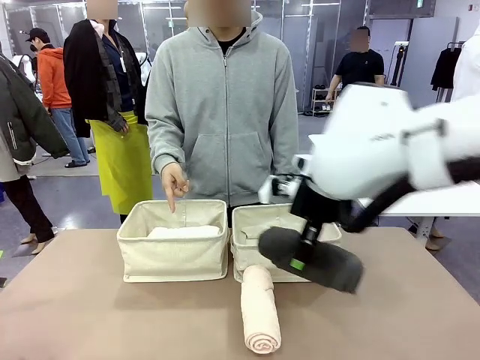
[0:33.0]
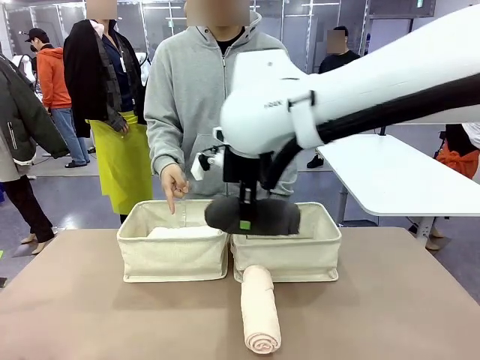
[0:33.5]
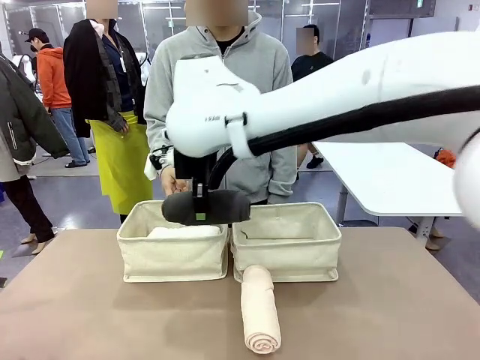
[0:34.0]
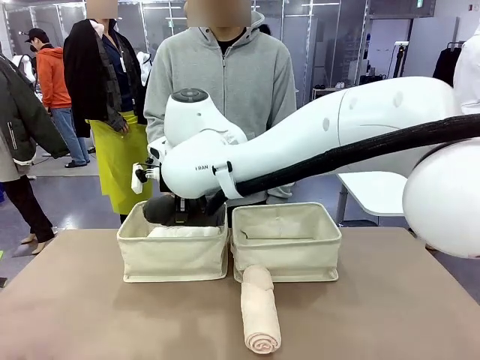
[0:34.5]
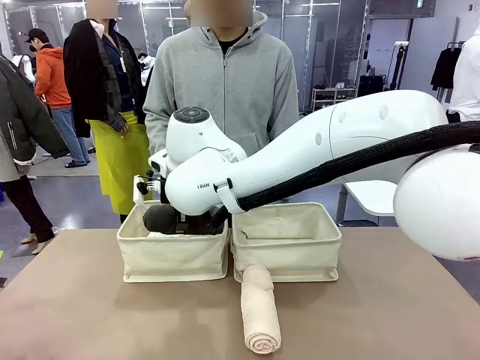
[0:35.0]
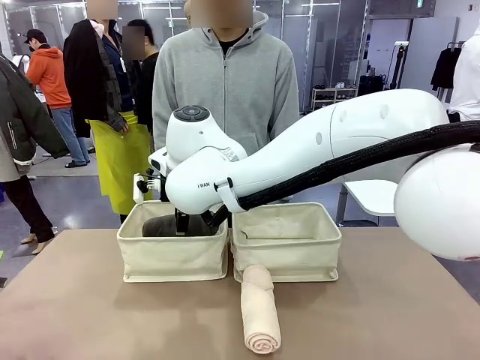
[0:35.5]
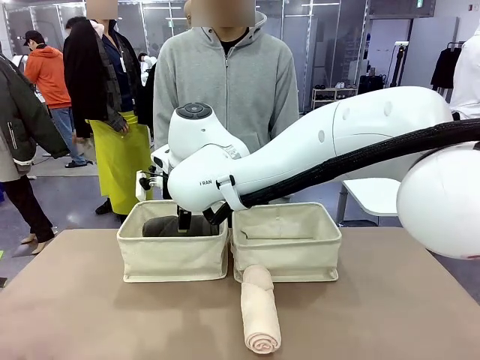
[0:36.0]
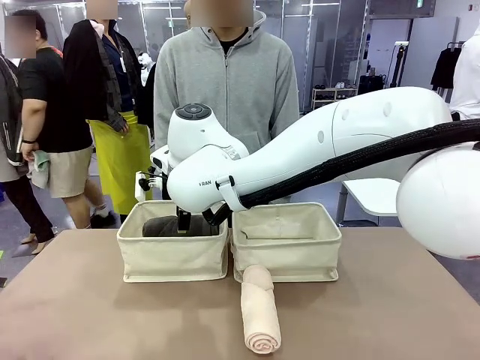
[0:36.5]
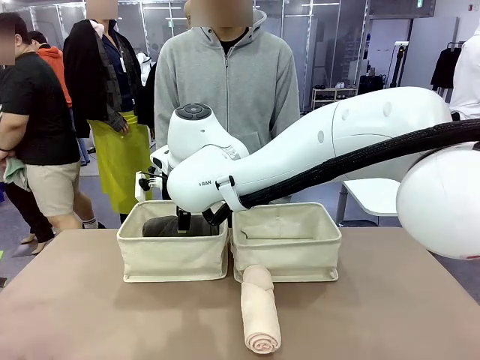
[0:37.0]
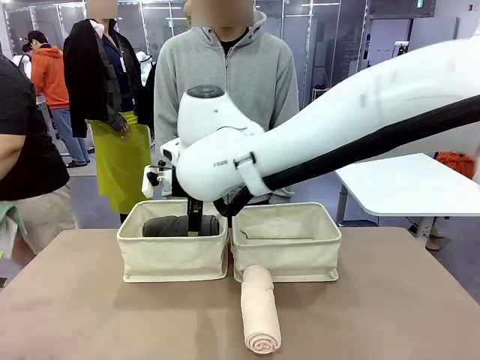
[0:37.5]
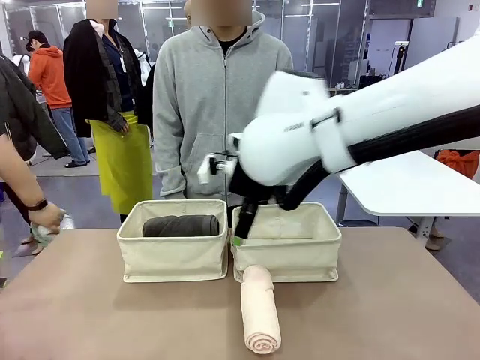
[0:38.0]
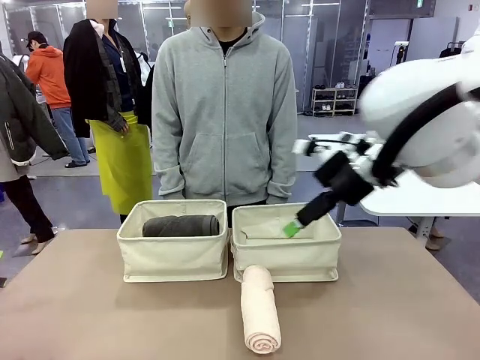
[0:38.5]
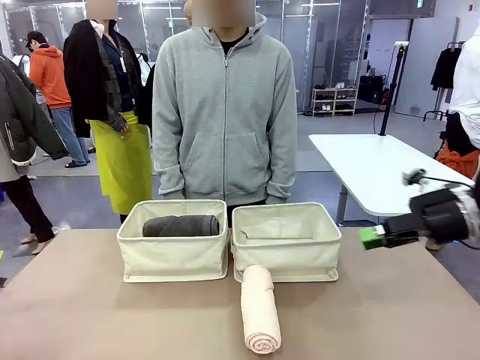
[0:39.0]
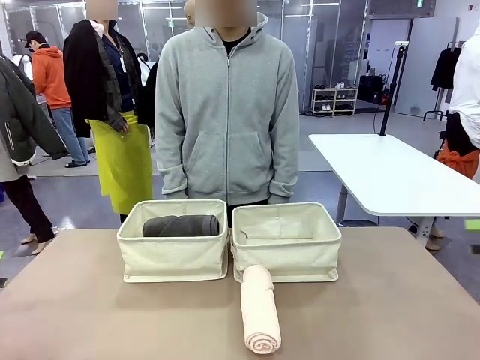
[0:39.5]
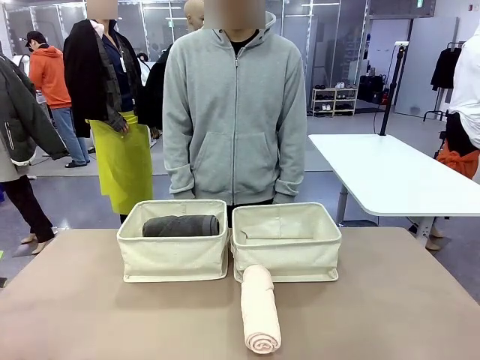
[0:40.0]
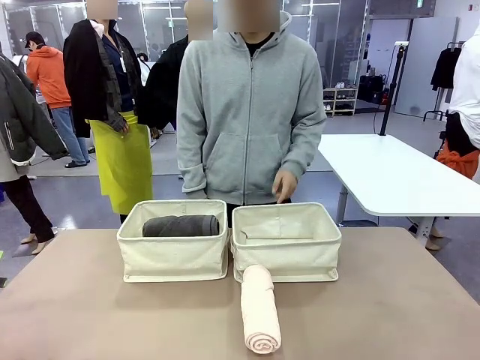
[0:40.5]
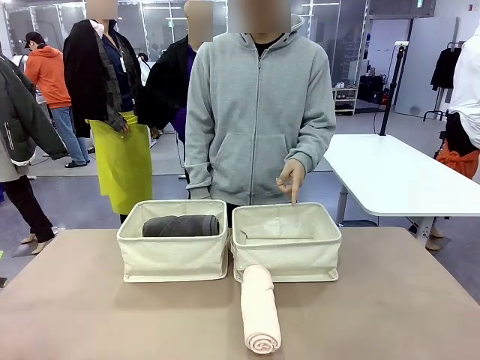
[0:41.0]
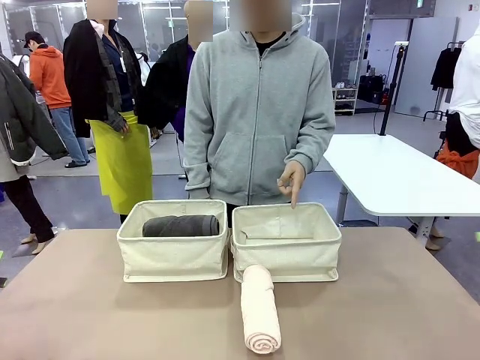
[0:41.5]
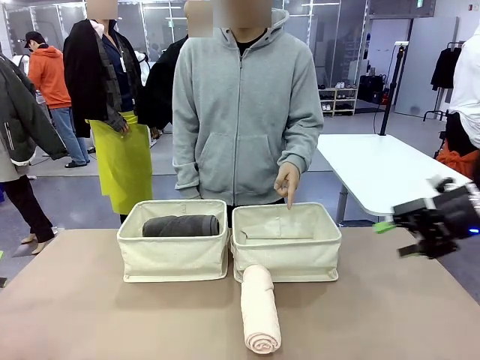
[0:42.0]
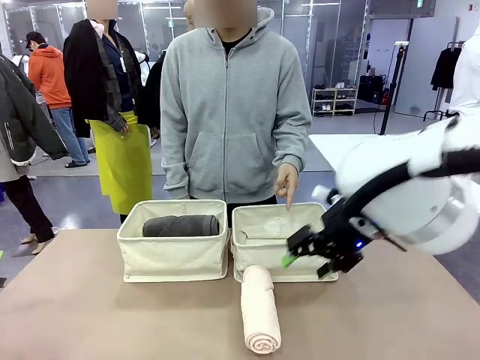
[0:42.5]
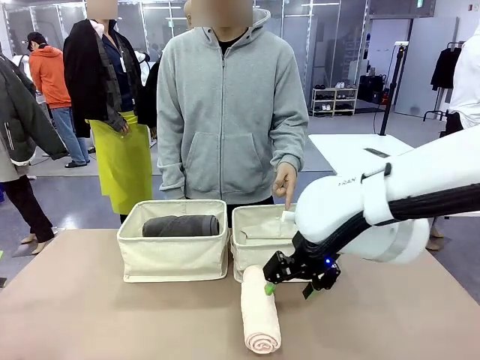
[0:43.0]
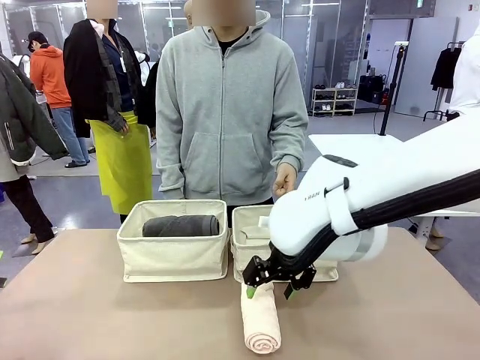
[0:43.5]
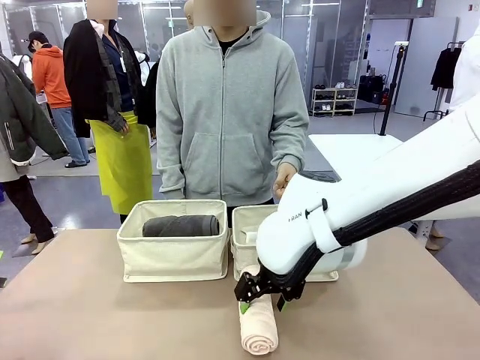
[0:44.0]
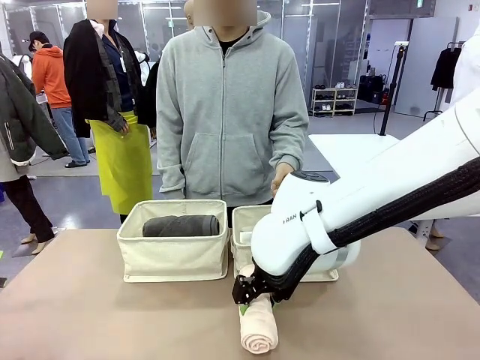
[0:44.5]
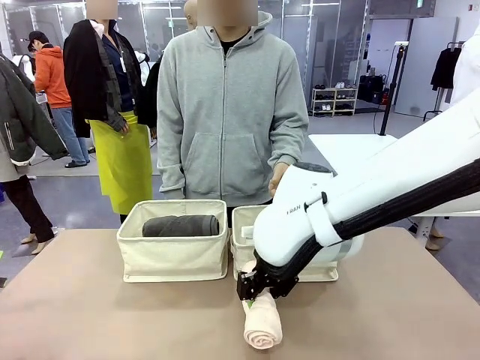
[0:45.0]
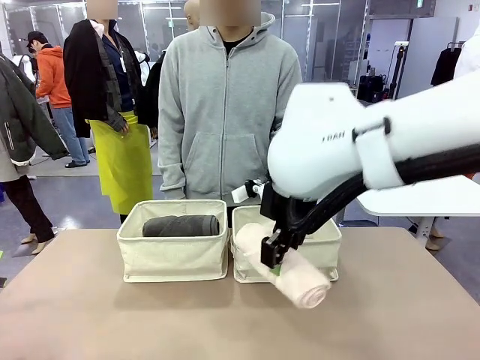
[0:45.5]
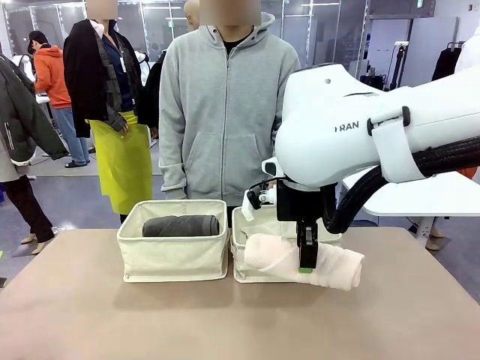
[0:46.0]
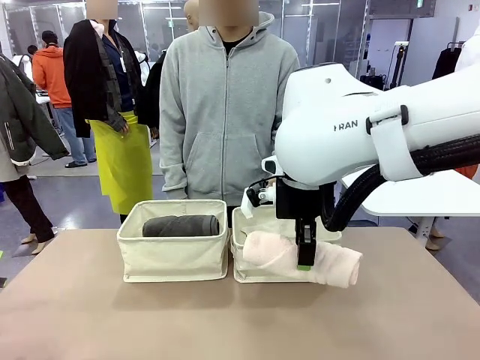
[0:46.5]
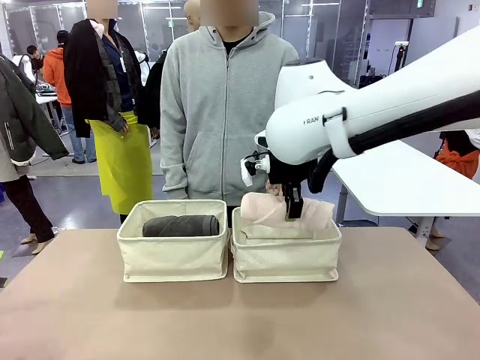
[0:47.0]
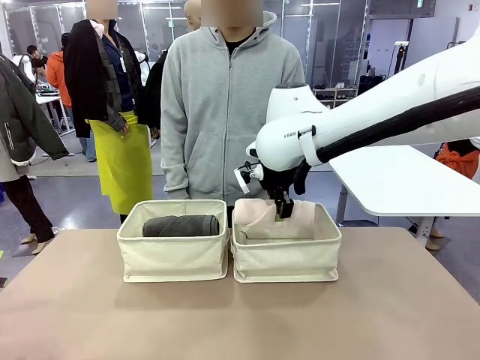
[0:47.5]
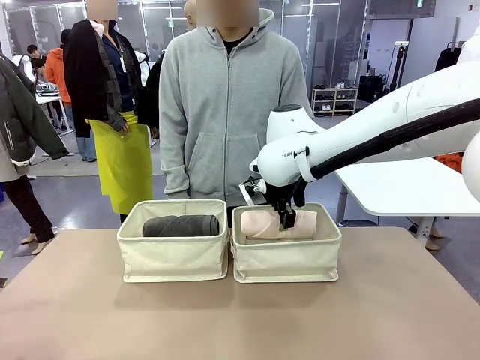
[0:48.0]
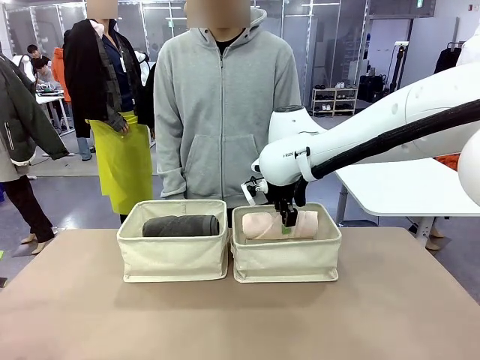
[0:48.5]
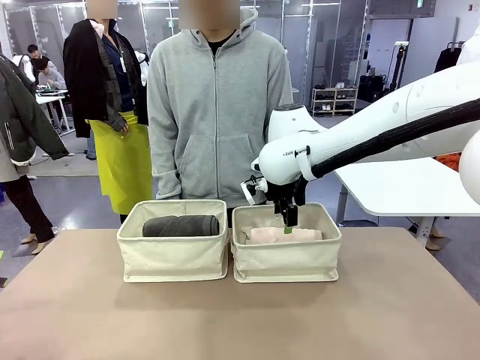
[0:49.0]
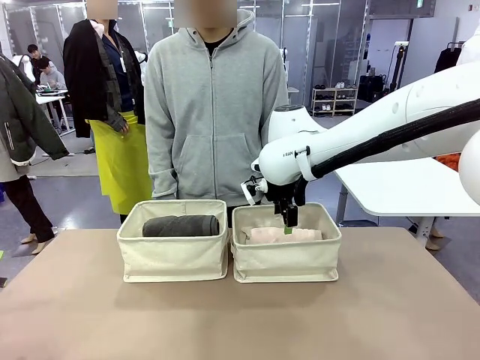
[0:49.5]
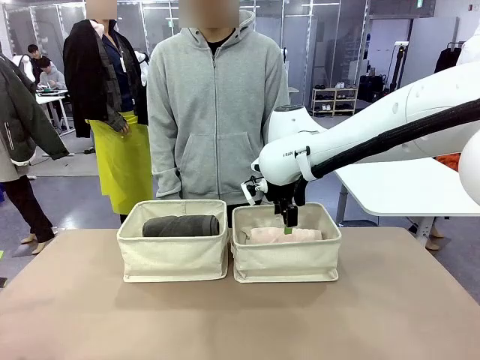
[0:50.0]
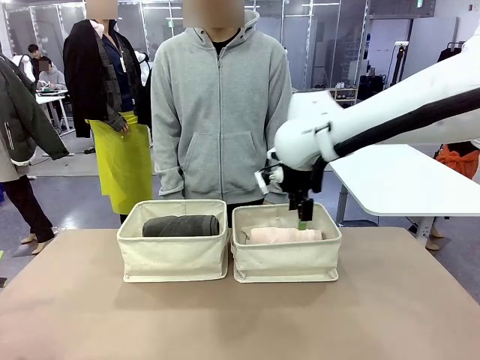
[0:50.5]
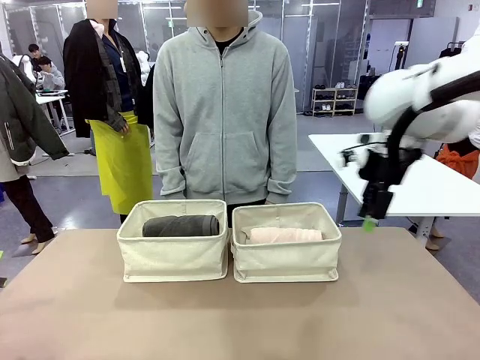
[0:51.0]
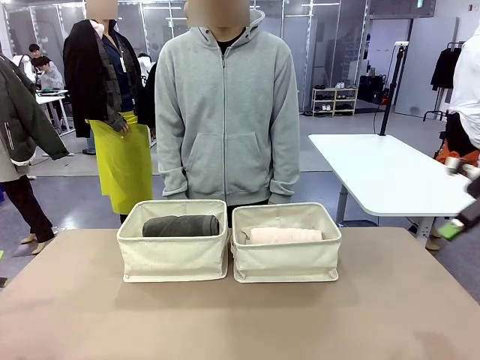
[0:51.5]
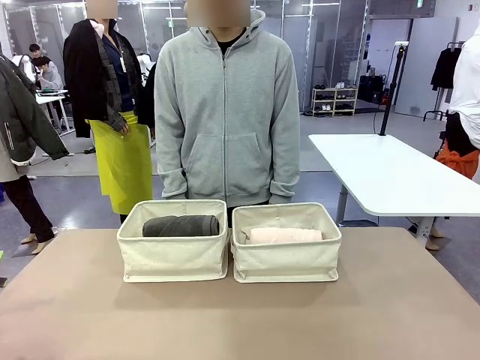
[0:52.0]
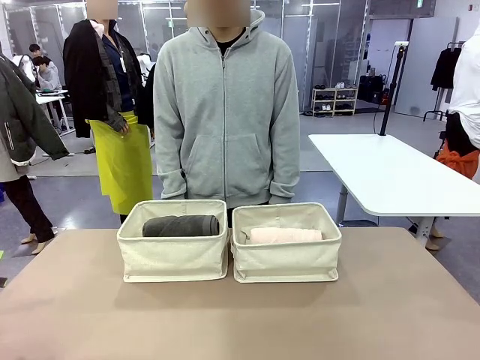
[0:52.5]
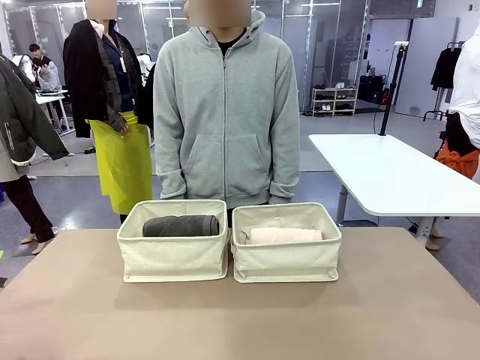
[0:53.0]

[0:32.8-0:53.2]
Task: Divide the towels into two baskets.
Robot: Pick up one hotel-folded towel from the bottom of the table and place it in the Fabric basket indicated by the person.

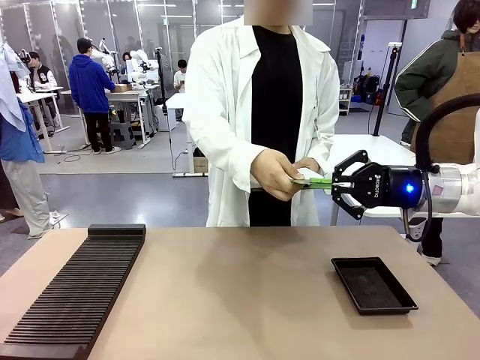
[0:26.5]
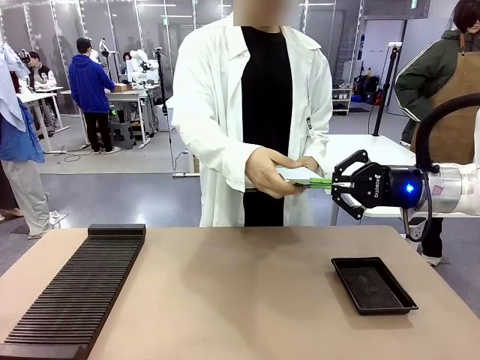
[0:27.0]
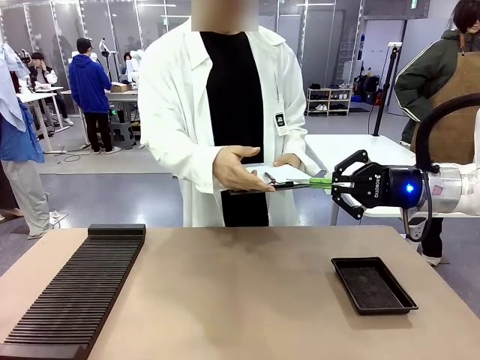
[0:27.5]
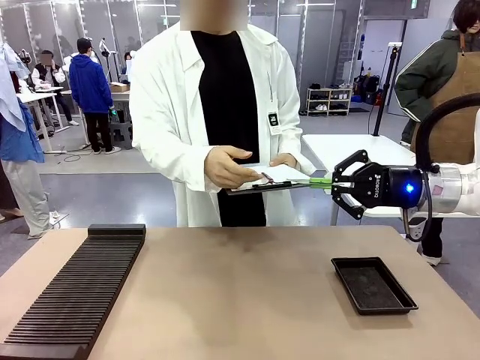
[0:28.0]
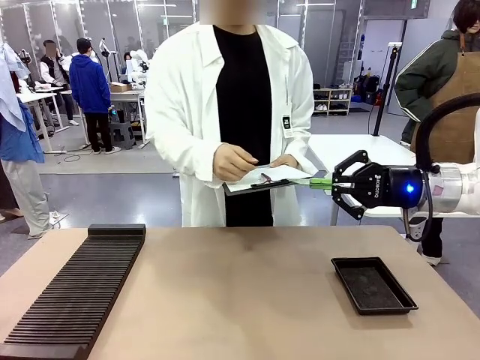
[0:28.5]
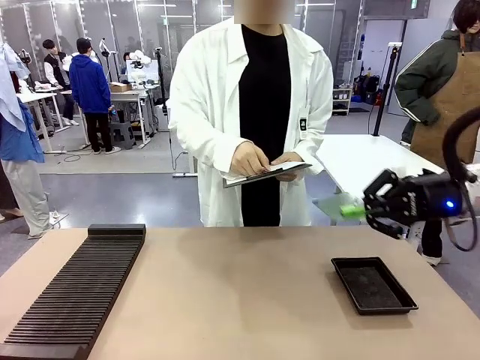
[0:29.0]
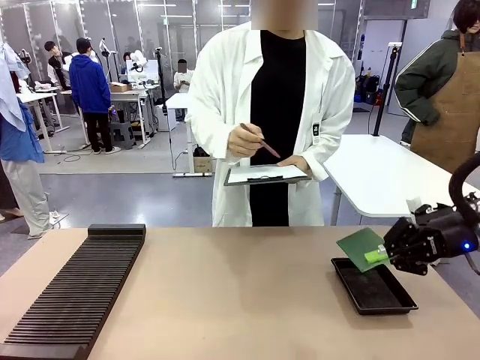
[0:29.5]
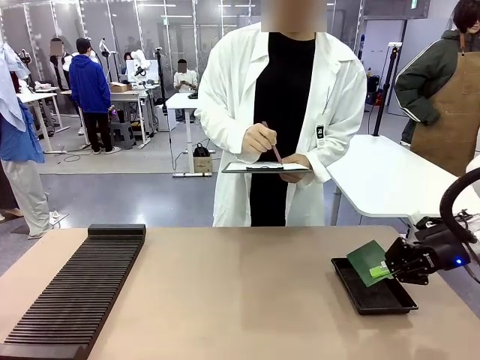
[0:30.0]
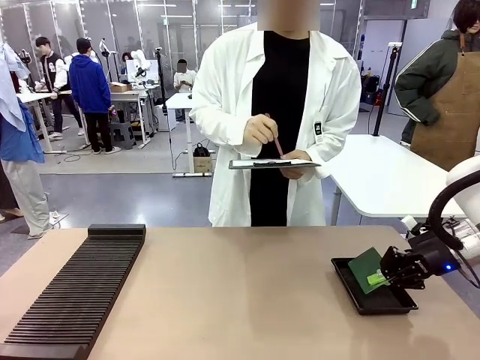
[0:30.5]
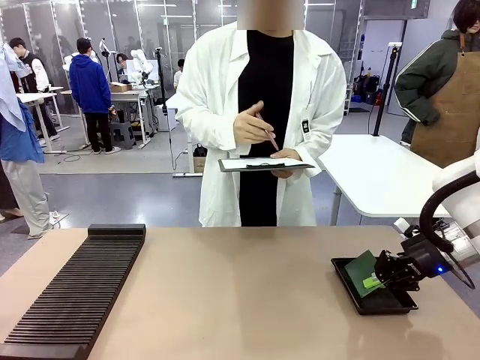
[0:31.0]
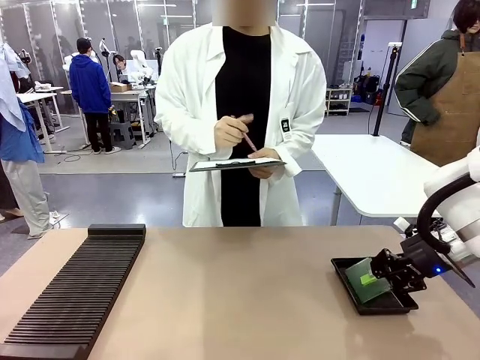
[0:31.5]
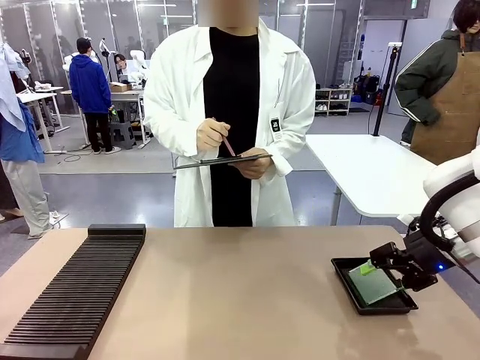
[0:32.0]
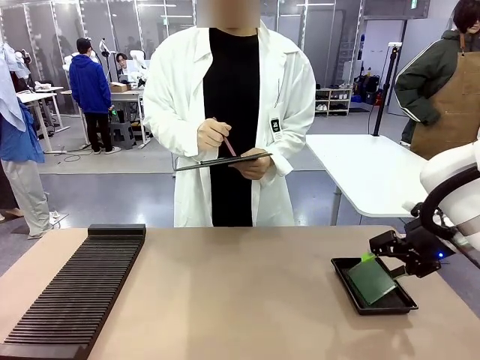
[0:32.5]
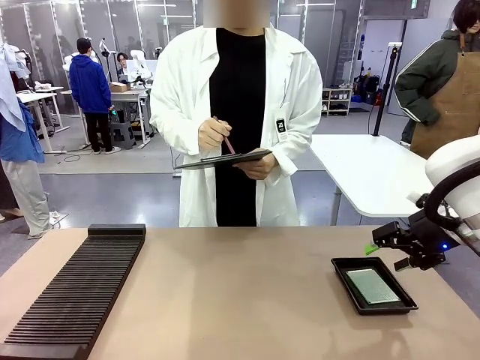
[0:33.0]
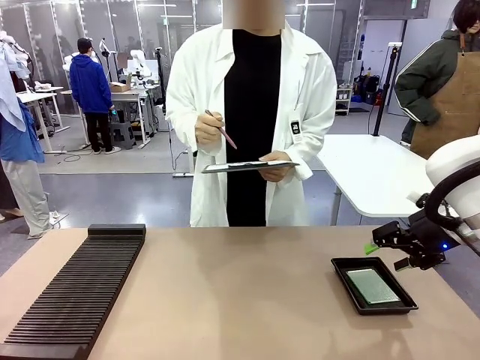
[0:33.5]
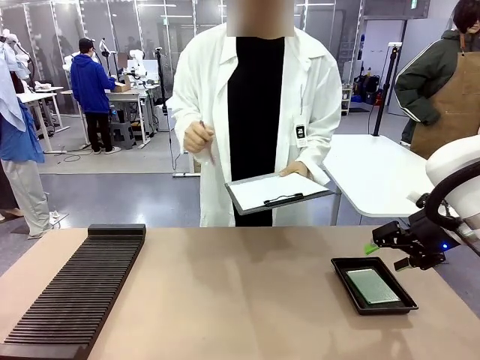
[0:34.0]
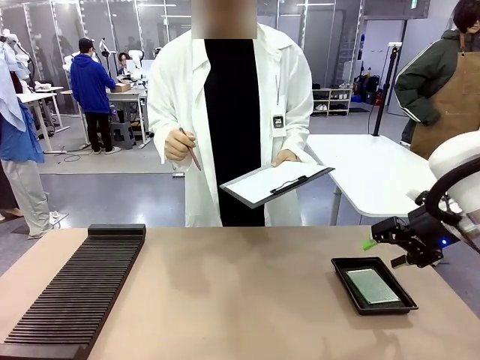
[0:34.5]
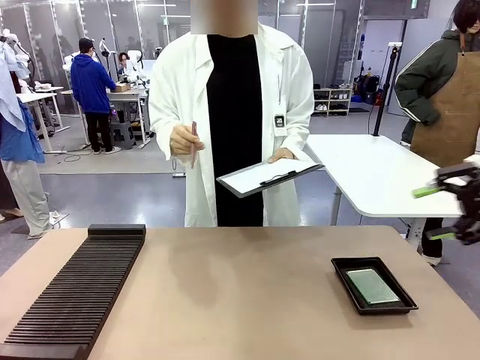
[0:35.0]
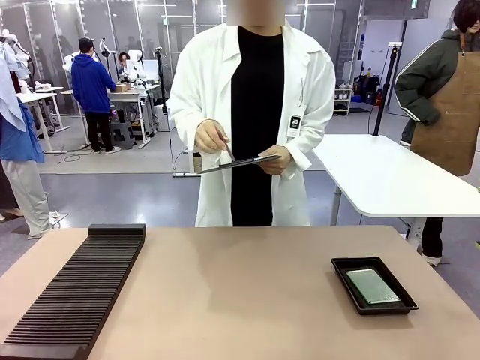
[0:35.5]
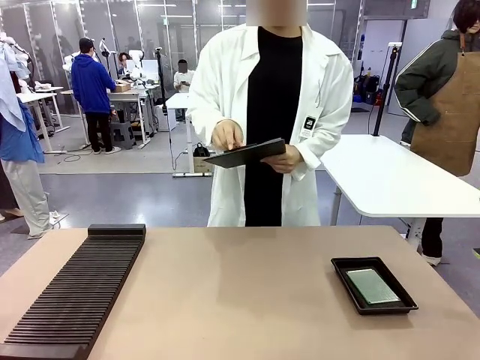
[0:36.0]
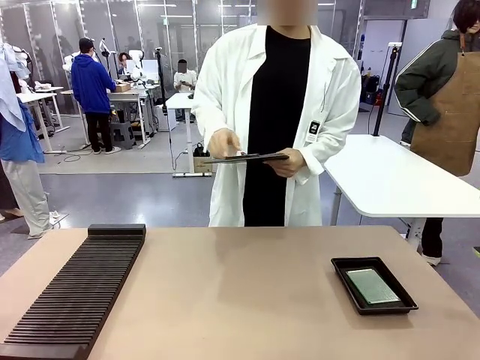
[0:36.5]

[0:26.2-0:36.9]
Task: Inspect the PCB.
Robot: Place the Blank PCB in the ESD tray.
Person: Record the PCB status on the paper.
